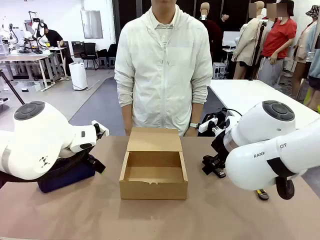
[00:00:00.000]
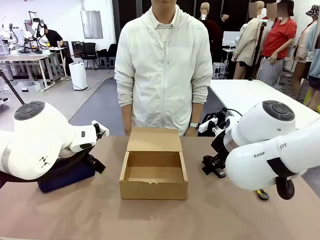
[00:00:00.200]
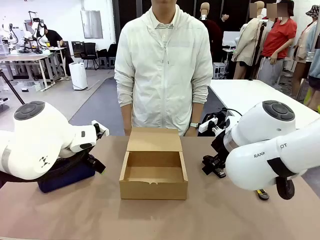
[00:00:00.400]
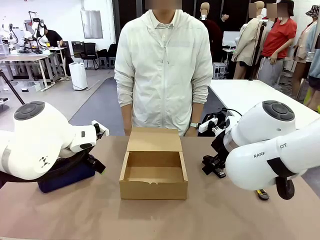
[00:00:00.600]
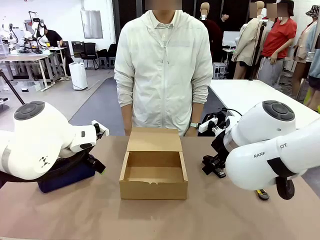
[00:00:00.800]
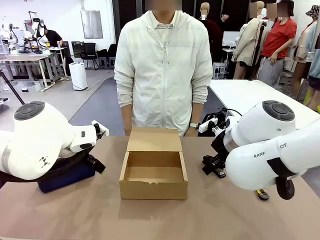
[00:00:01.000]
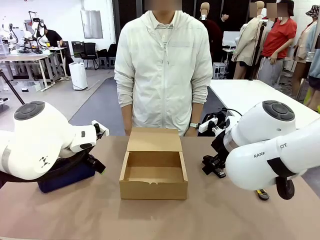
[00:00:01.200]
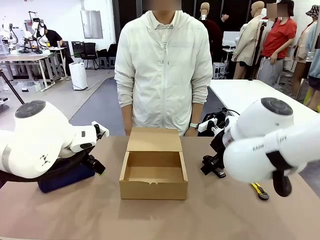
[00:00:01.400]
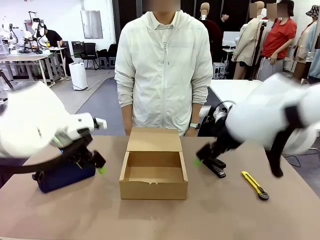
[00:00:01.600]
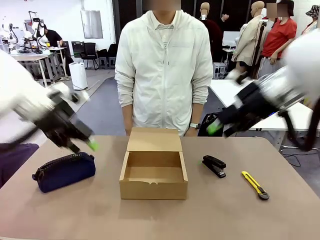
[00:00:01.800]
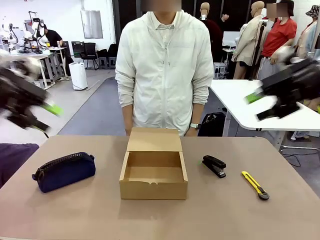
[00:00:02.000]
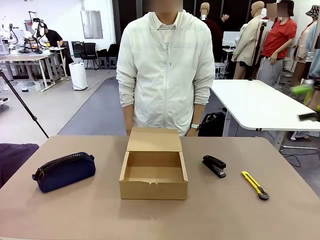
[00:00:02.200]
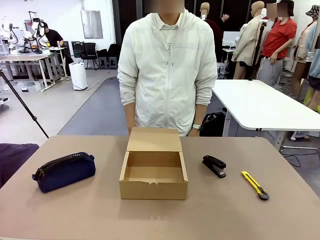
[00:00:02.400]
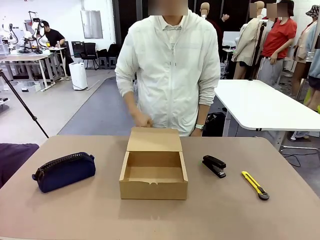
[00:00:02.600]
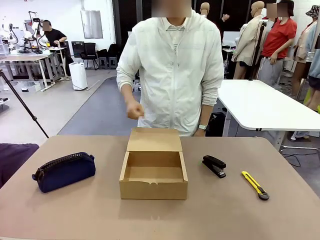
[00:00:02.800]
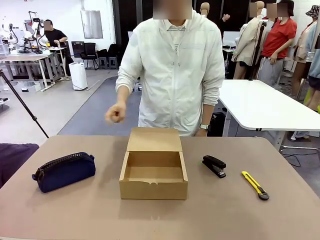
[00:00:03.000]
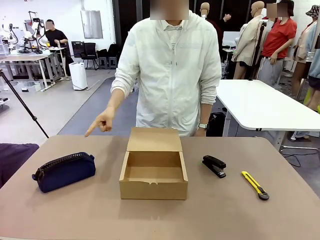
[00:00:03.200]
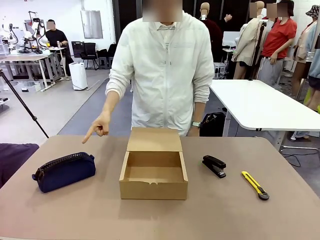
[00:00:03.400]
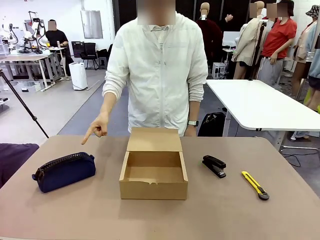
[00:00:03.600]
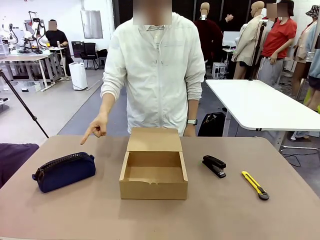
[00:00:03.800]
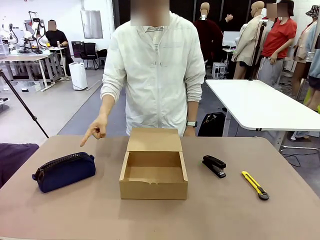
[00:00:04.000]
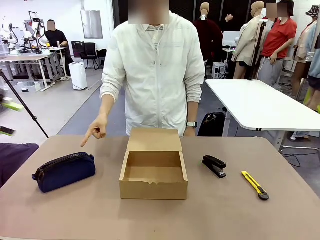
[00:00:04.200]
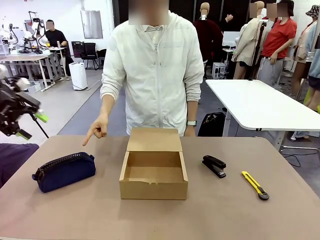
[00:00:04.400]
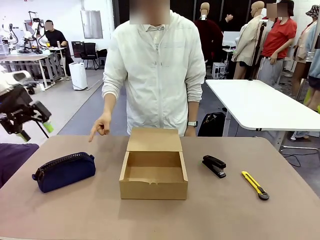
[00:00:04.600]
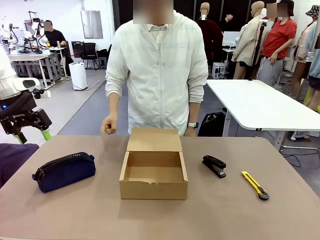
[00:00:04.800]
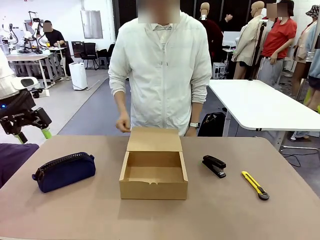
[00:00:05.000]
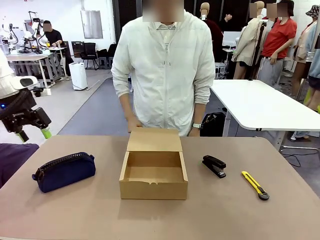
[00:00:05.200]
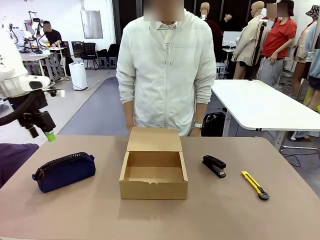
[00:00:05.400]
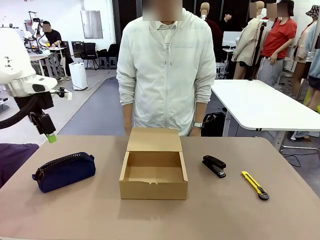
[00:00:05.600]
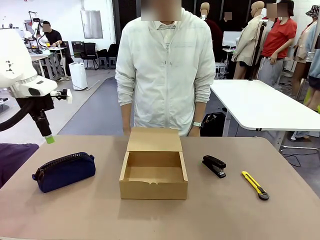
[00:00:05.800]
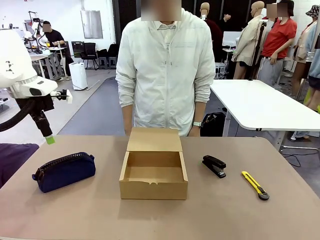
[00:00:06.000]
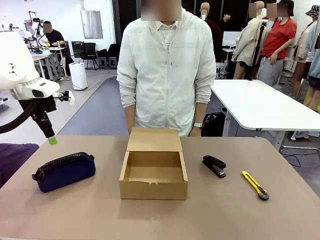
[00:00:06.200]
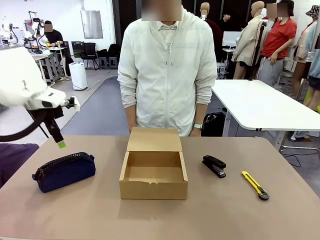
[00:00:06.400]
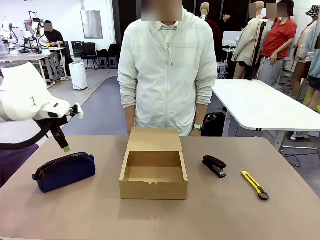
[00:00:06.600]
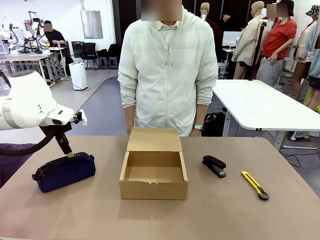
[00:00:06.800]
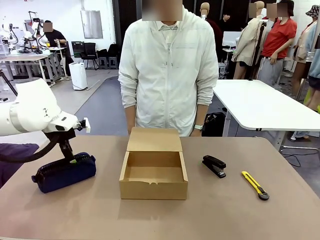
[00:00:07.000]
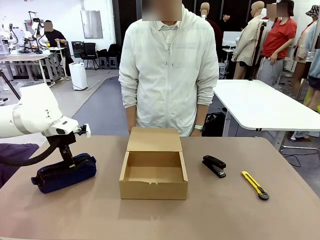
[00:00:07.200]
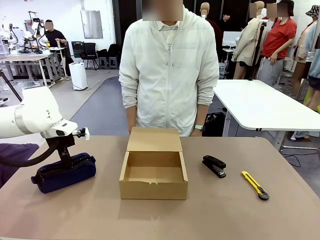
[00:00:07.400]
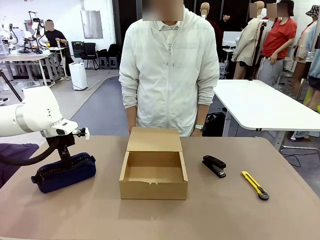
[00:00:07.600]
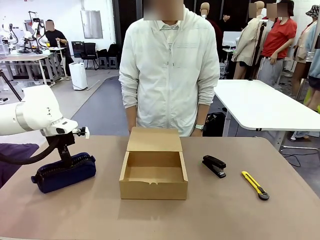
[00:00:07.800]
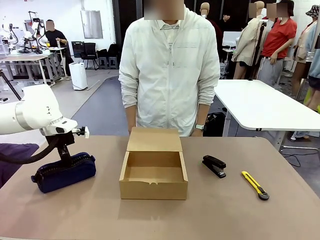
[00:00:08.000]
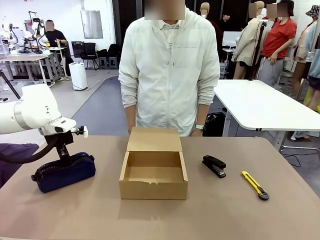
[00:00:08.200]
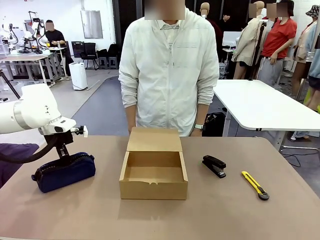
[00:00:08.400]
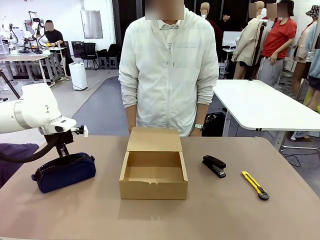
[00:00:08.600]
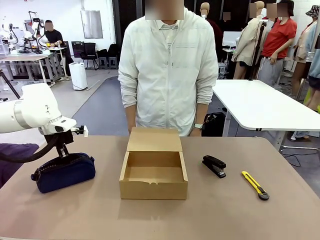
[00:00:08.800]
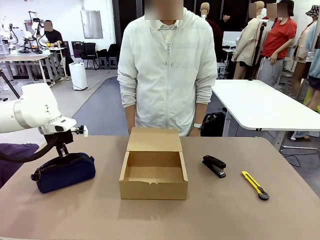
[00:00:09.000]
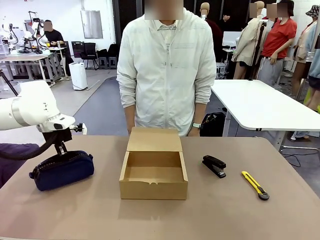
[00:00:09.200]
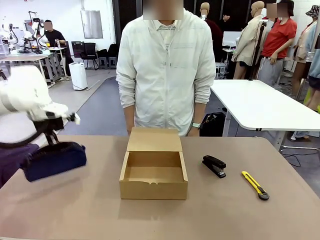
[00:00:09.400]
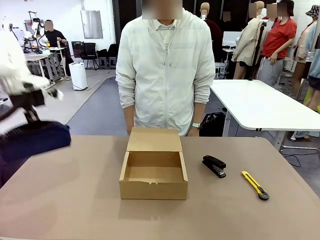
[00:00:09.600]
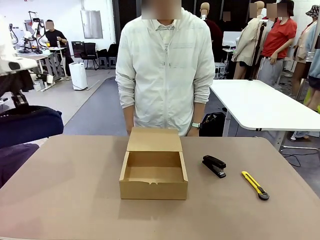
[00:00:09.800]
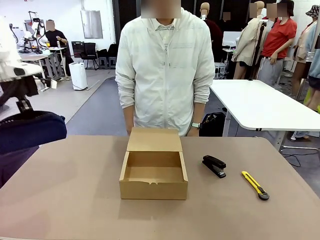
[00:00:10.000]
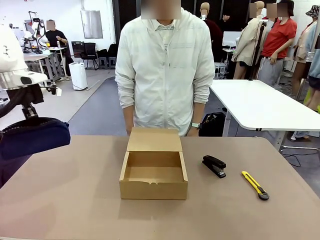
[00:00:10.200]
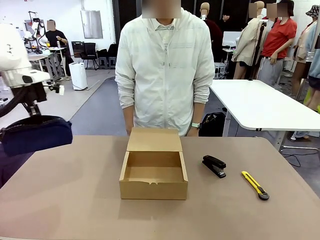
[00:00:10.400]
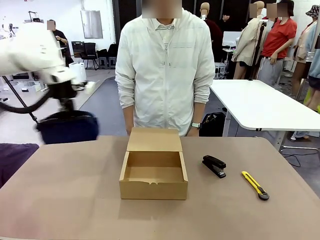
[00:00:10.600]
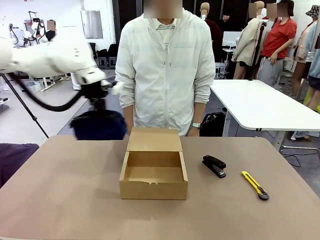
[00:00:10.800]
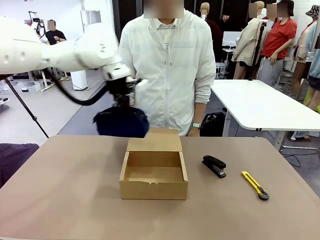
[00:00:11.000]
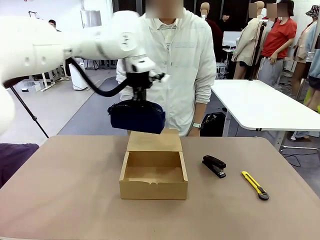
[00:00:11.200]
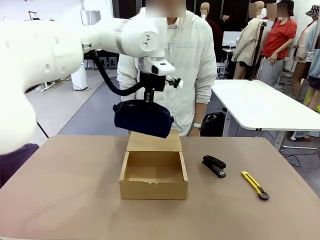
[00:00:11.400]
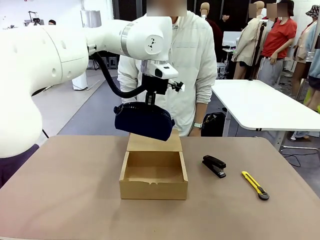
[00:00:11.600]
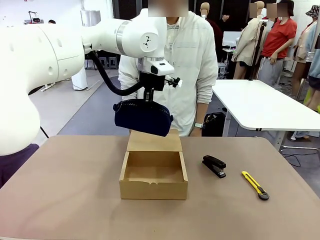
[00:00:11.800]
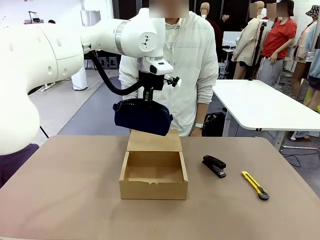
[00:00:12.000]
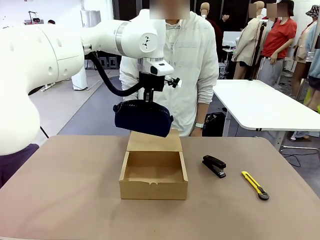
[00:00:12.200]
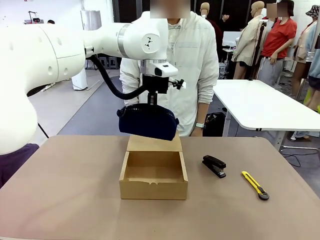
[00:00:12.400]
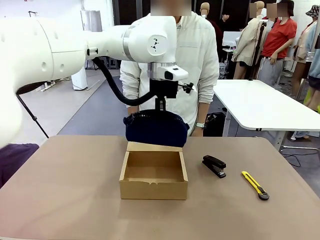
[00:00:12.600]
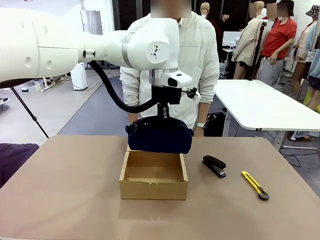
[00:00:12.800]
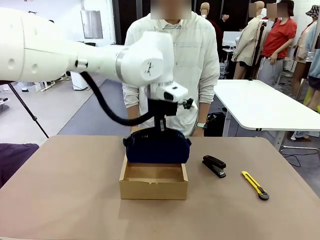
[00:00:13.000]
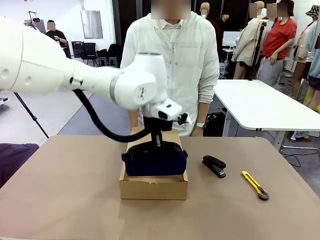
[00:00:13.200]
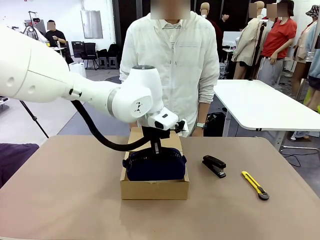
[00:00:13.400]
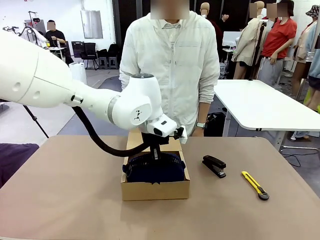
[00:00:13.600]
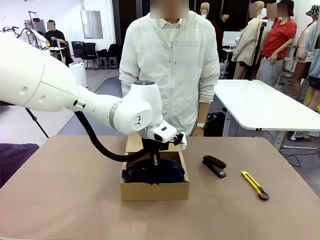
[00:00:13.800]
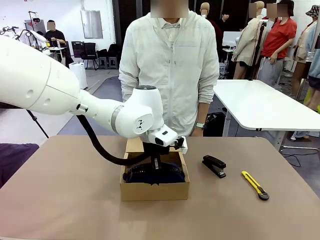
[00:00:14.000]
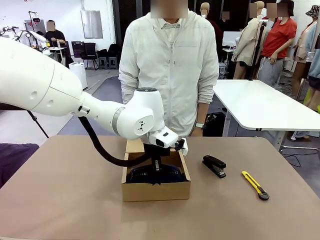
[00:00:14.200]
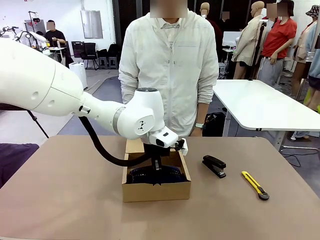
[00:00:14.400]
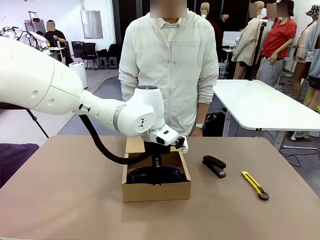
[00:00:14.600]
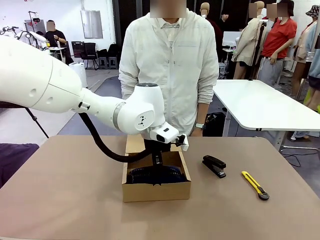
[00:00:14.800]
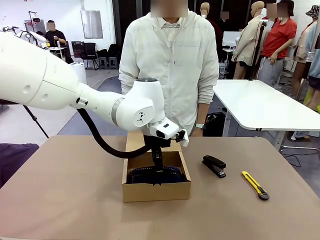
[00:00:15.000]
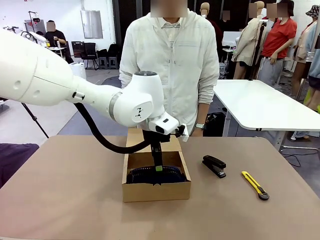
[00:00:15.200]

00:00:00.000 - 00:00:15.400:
Task: Pack the items into the box.
Robot: Pick up the item specified by the human and place it in the Mailer Box.
Person: Point at one item on the table (excluding the box).
